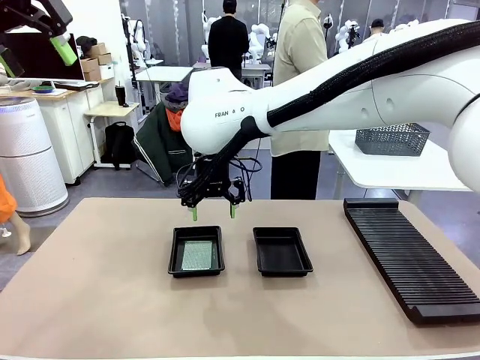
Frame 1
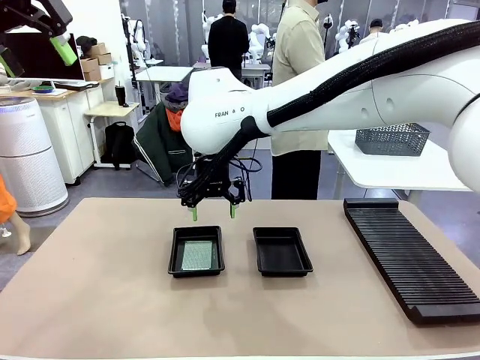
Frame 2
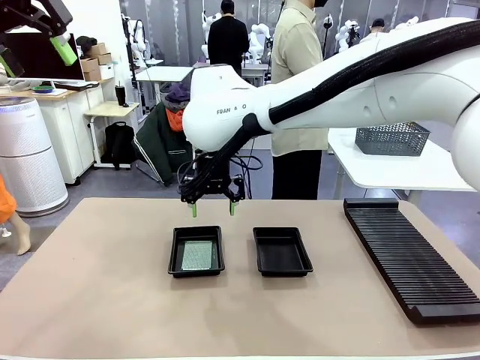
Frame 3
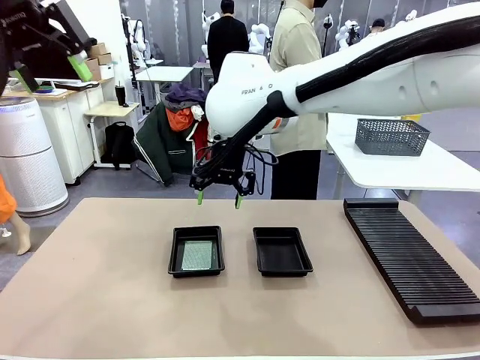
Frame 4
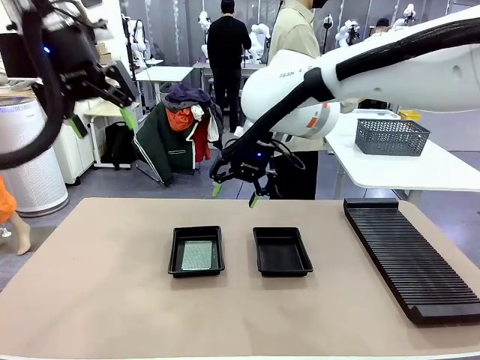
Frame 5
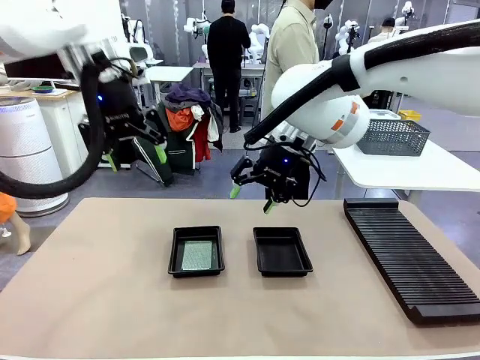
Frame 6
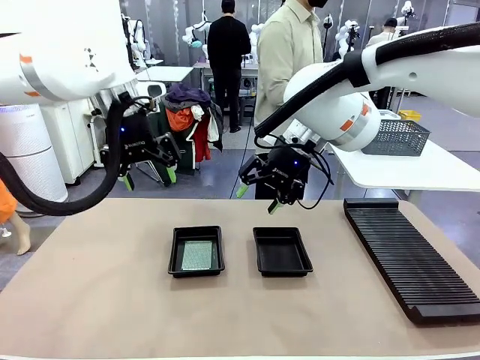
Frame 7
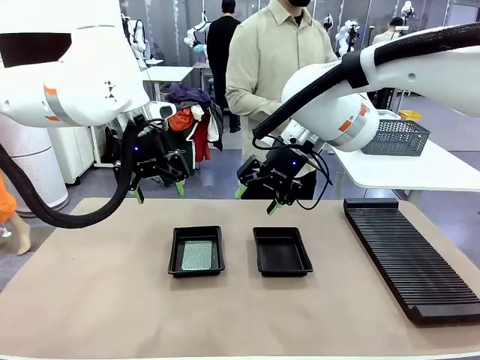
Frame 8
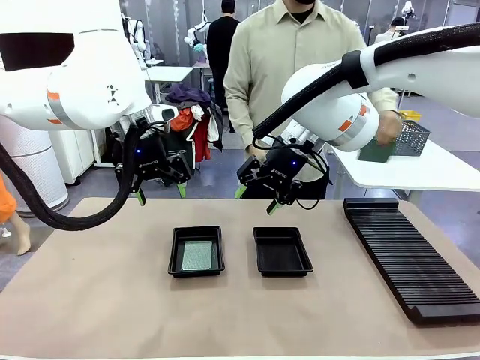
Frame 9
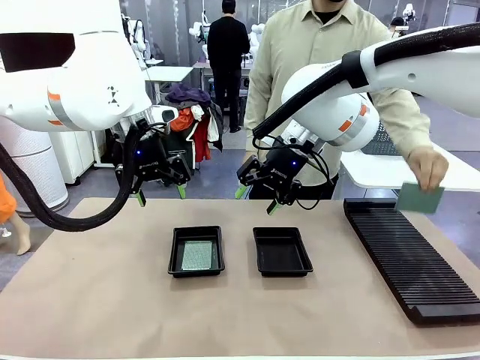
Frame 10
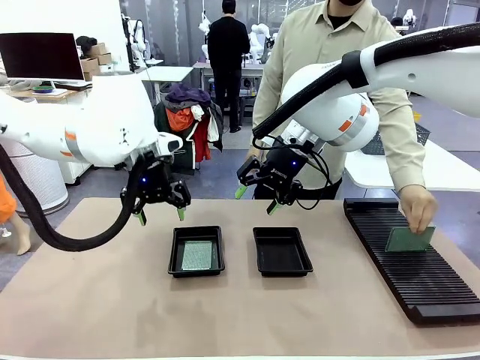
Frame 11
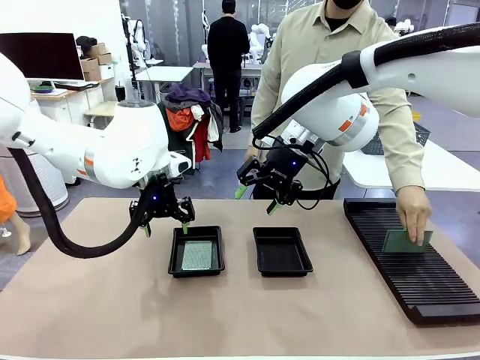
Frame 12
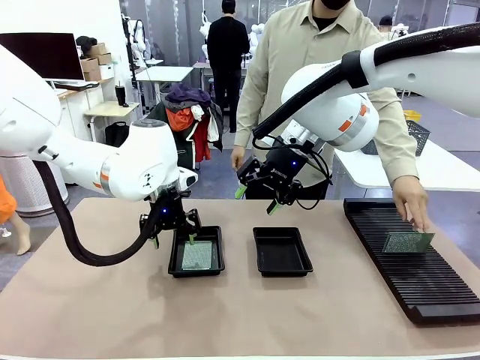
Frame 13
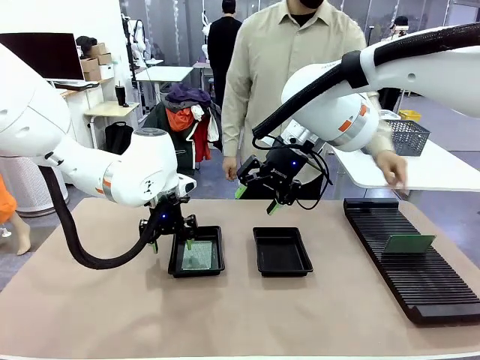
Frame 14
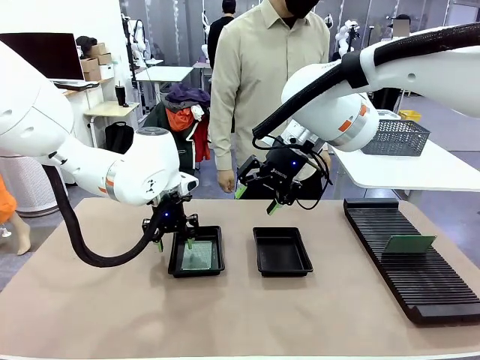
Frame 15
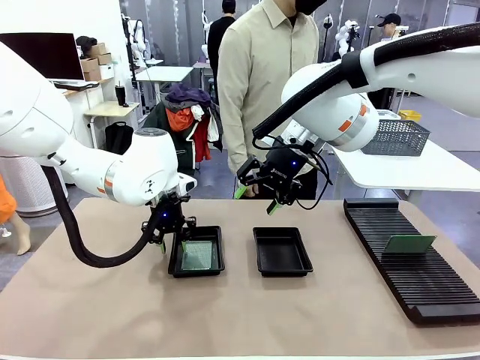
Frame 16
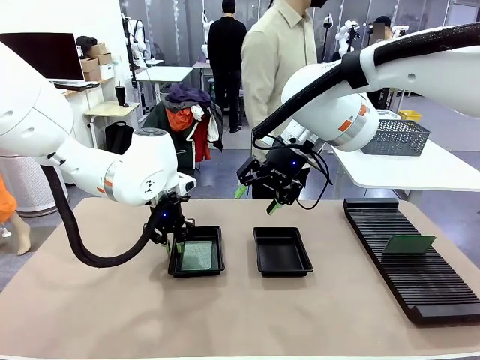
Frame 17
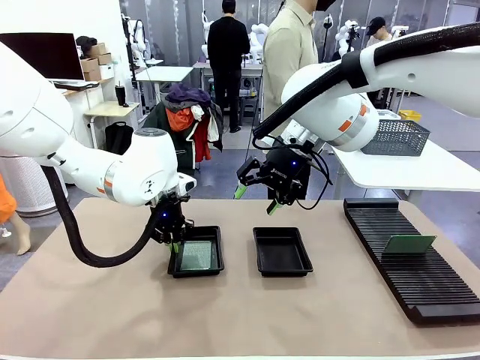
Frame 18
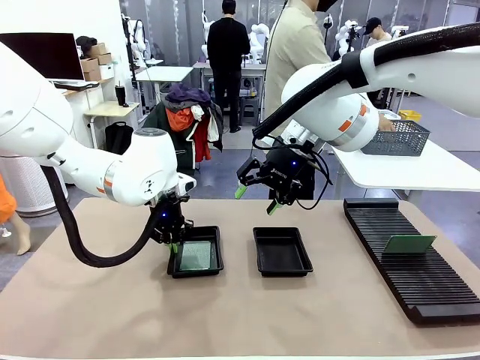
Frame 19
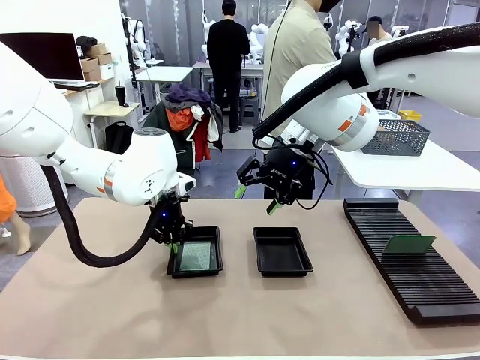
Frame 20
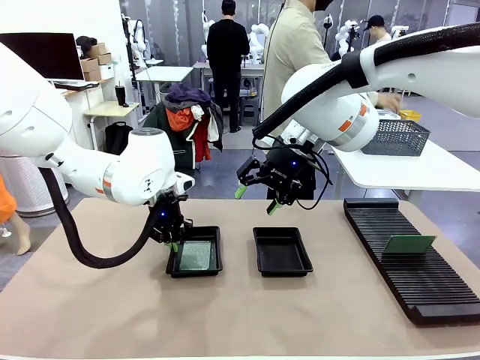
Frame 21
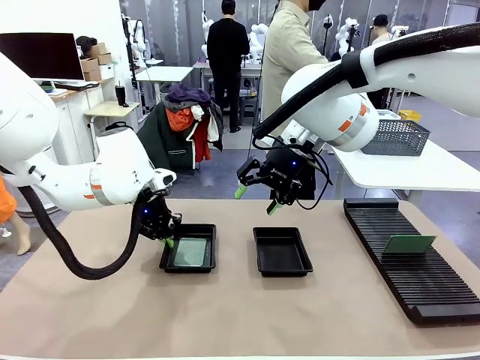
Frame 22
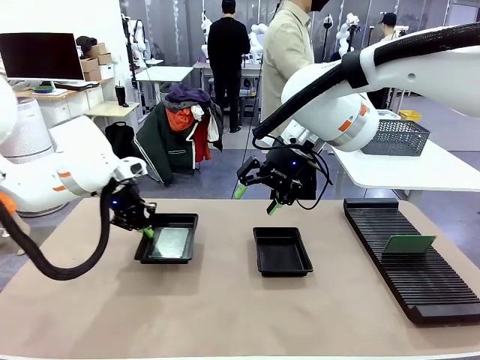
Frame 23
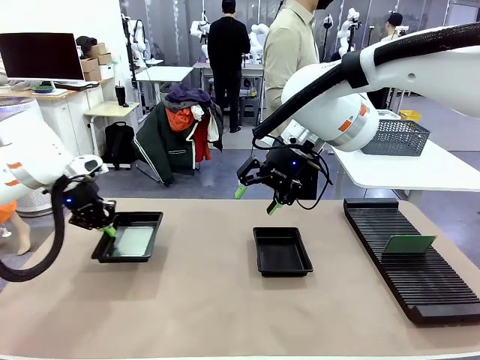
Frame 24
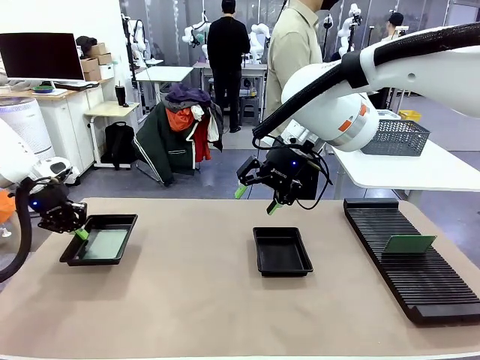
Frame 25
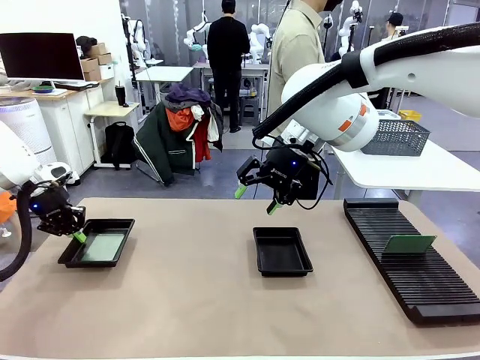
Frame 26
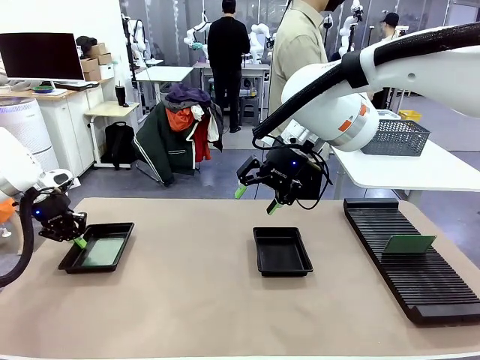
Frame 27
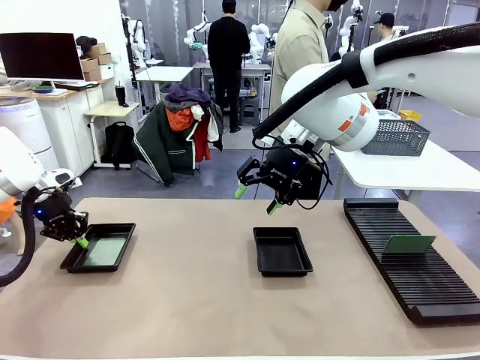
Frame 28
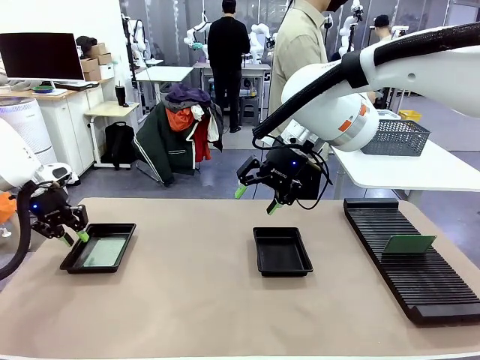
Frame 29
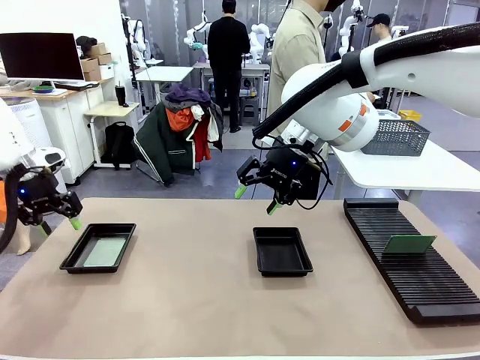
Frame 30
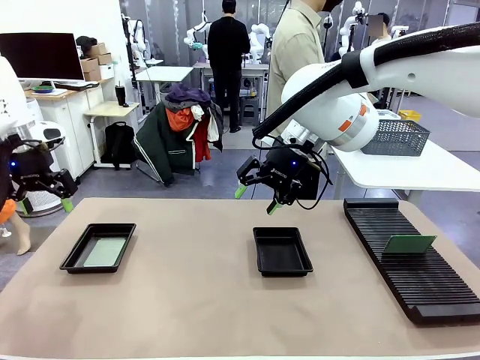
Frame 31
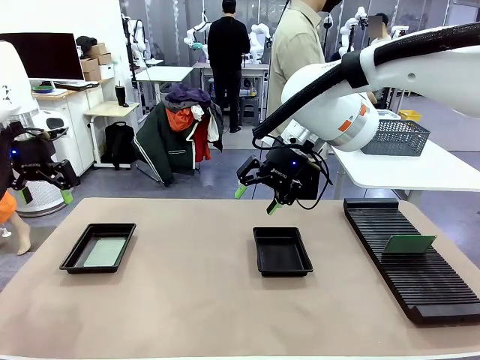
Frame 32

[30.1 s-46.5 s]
Task: Inspect and transfer BCBs to ESD trays.
Robot: Pick up the ESD tray and place it on the left side of the table.

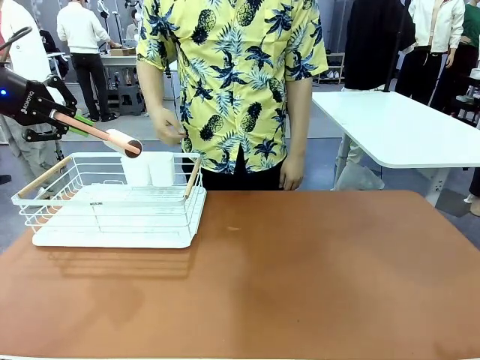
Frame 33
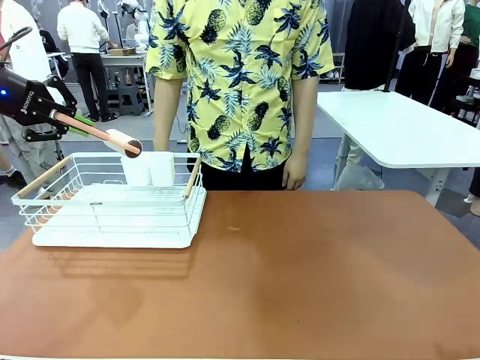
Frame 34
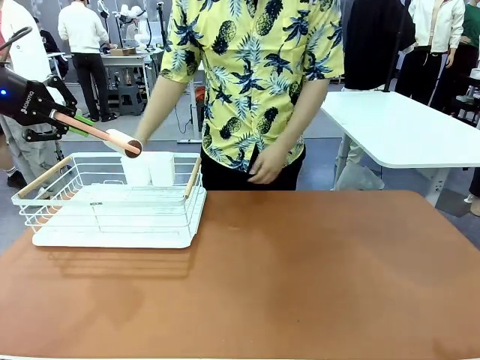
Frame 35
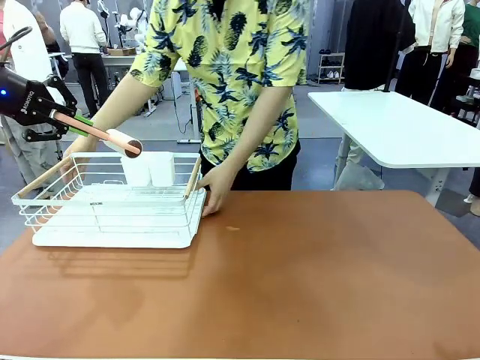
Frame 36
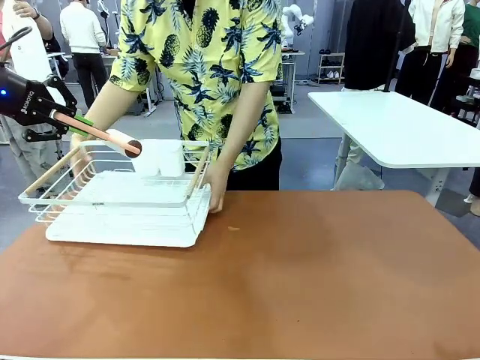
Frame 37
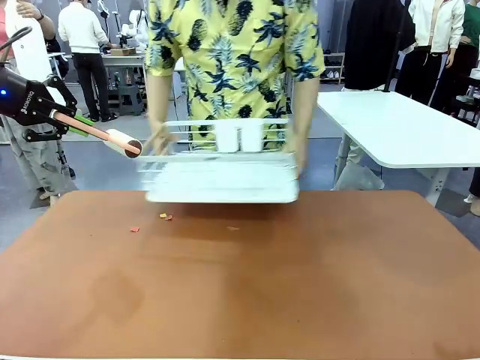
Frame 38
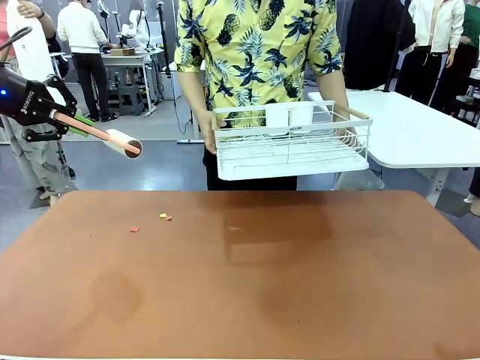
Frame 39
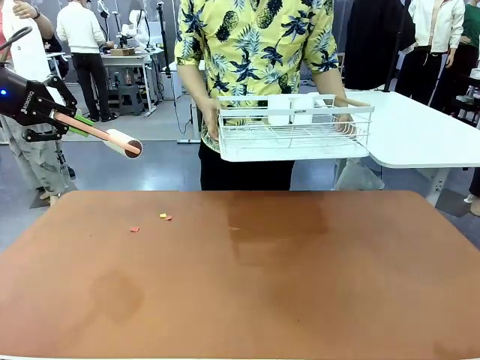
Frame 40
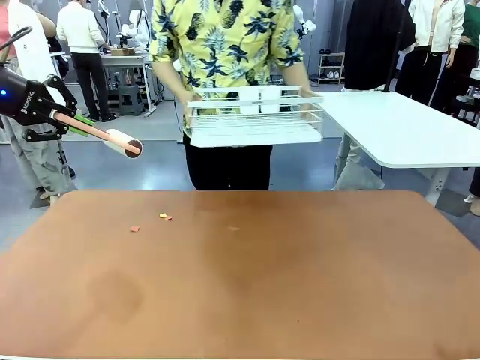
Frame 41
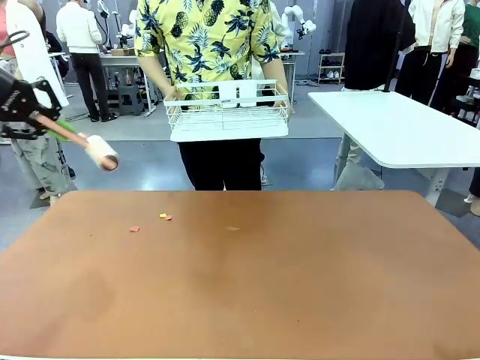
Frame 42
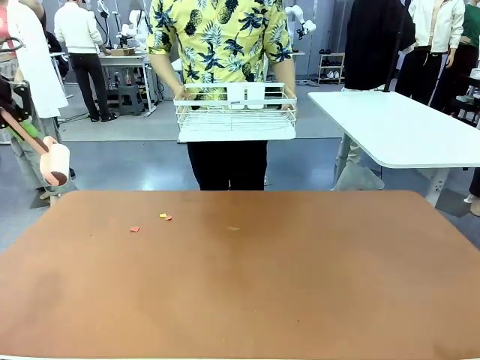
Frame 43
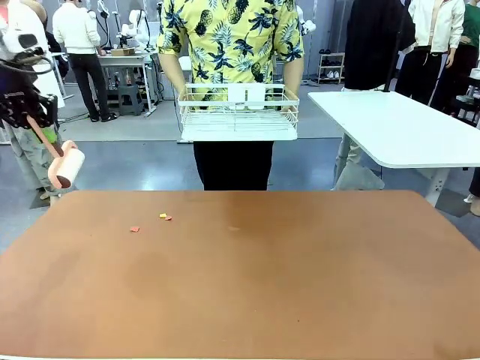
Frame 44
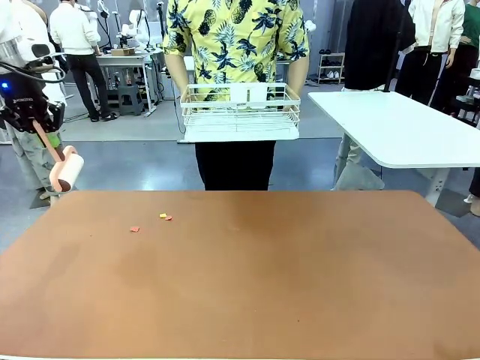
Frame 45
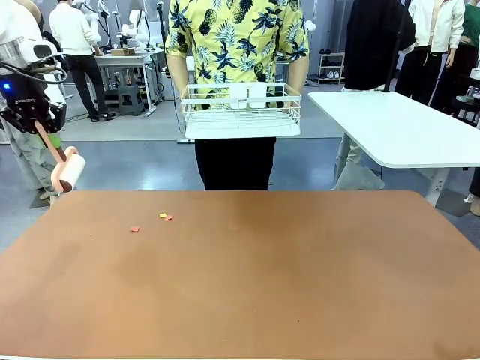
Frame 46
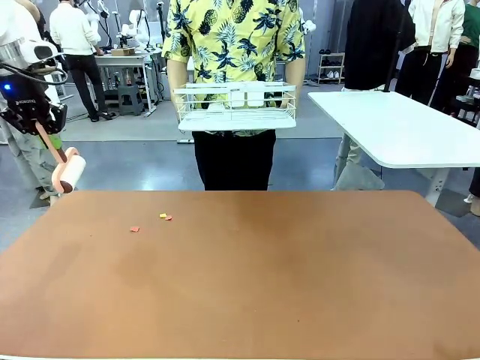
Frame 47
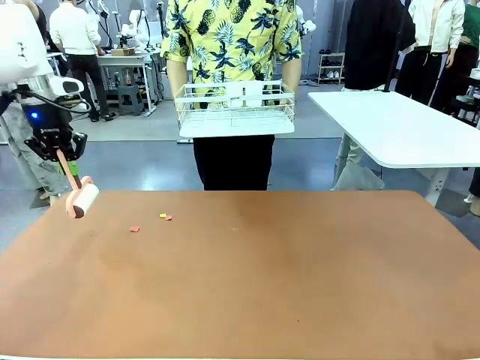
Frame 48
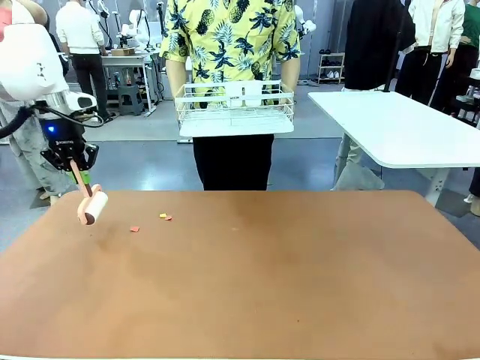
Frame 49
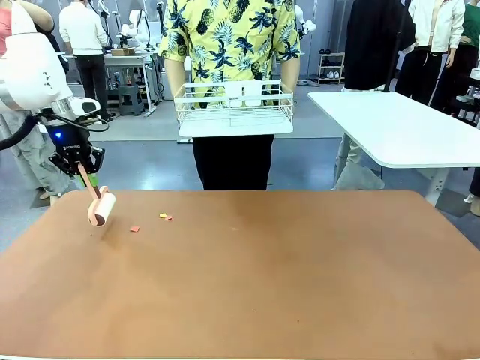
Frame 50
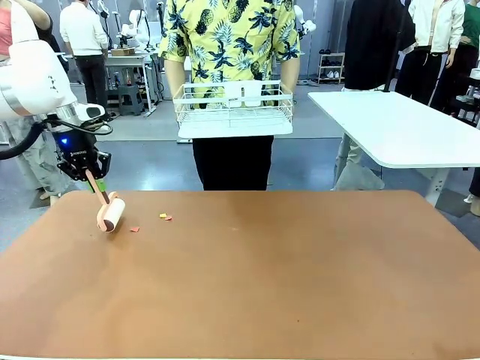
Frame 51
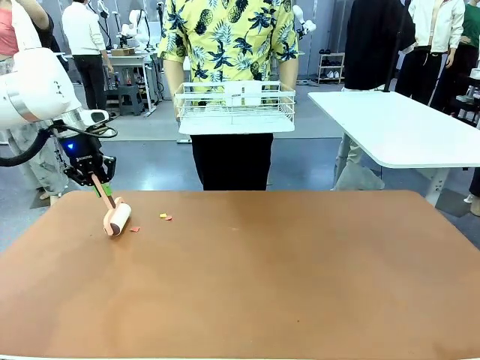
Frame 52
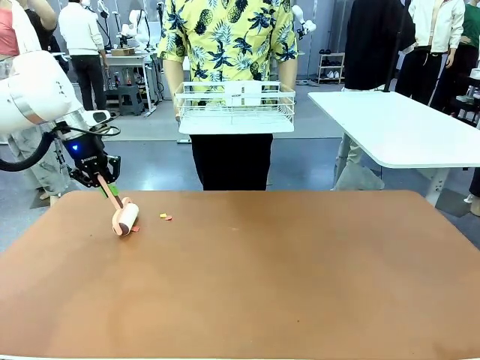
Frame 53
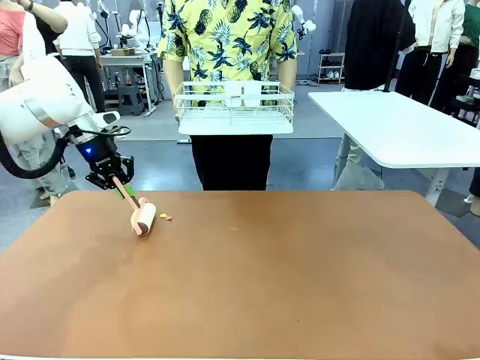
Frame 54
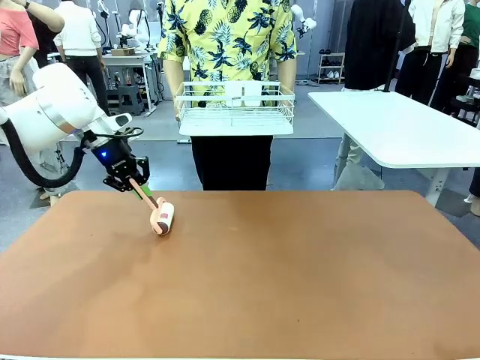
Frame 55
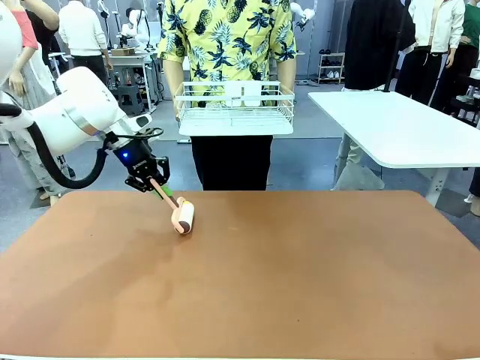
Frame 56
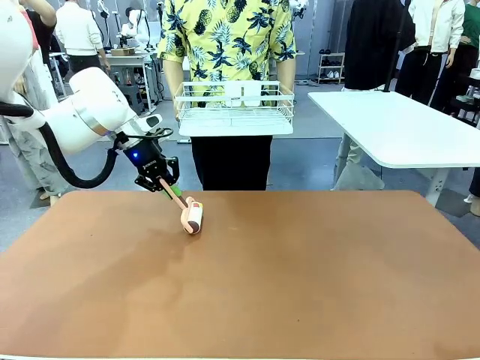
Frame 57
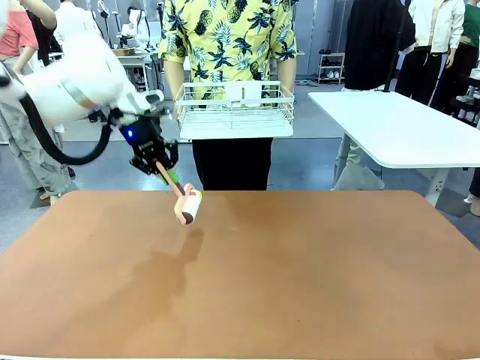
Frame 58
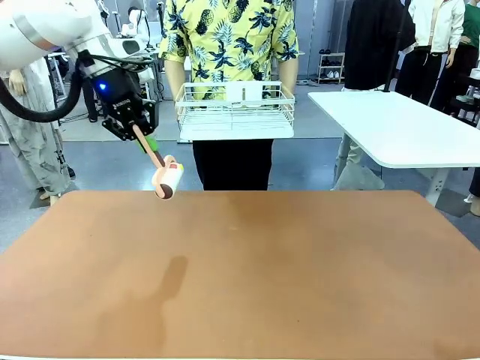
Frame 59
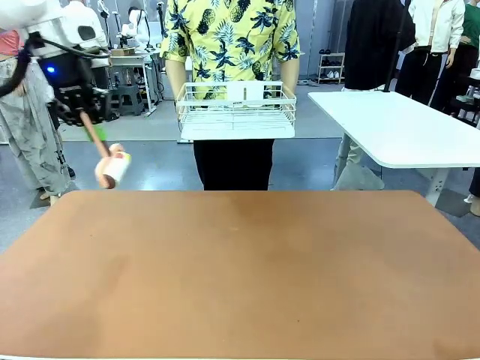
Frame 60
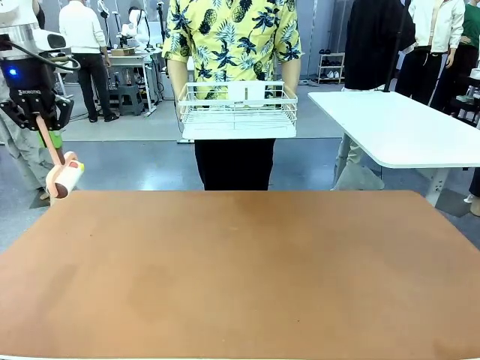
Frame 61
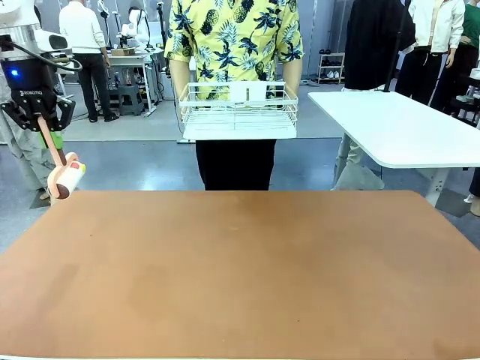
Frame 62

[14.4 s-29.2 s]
Task: Clean the table.
Robot: Clean the table with the Lint Roller when the human lifts the Dish drying rack.
Person: Place the Dish drying rack down when the robot finishes cleaning.
